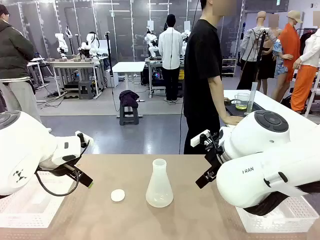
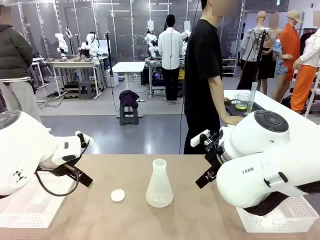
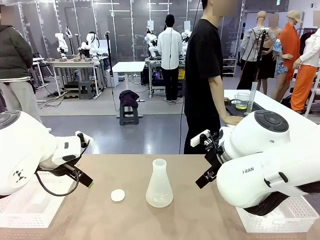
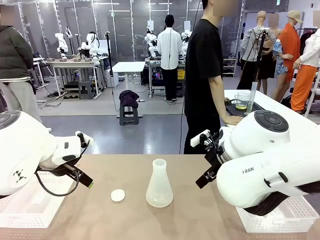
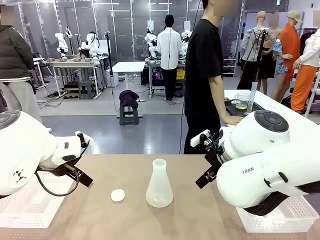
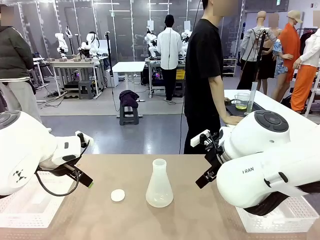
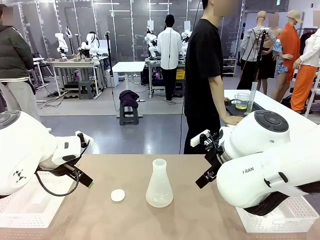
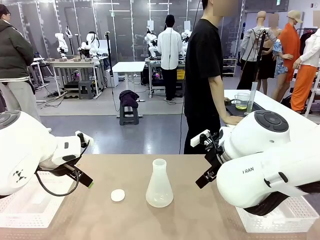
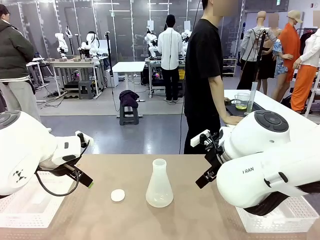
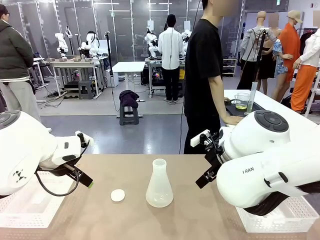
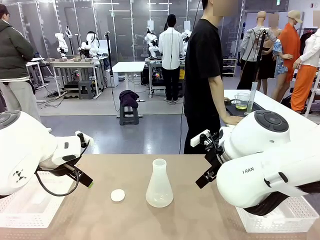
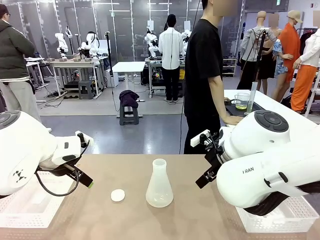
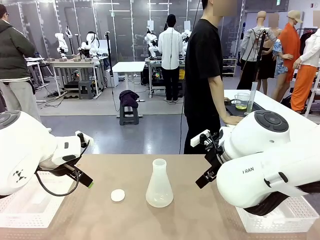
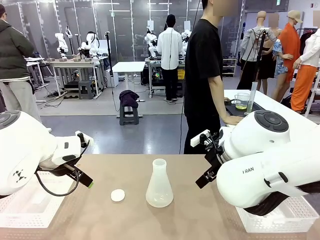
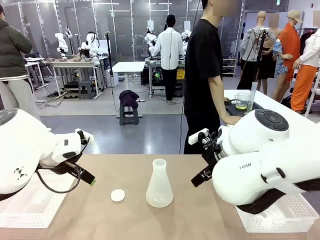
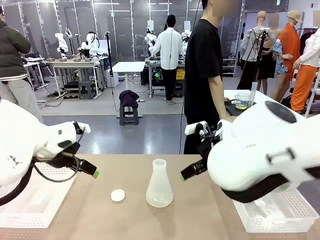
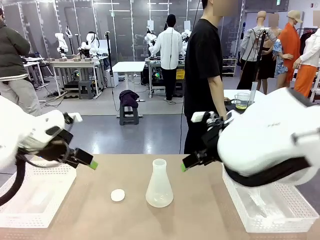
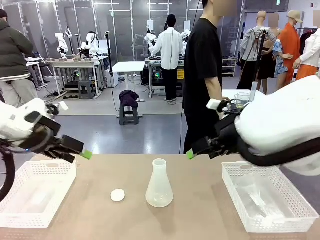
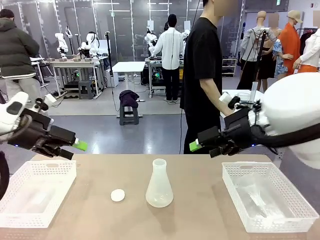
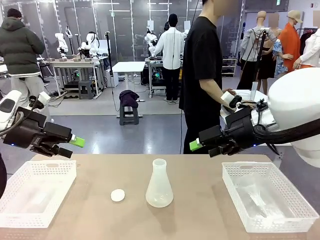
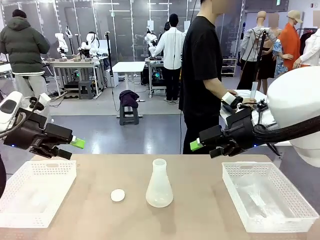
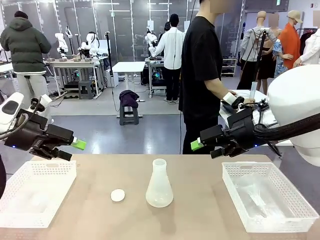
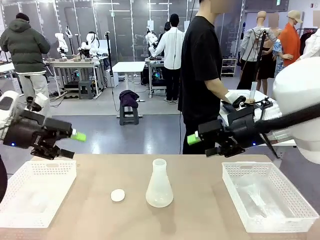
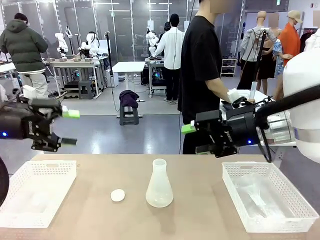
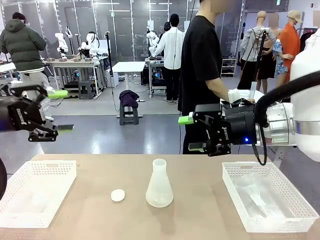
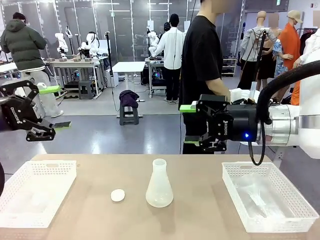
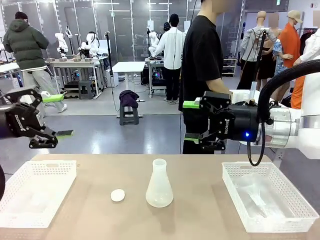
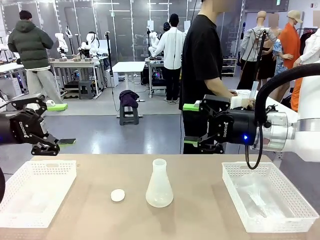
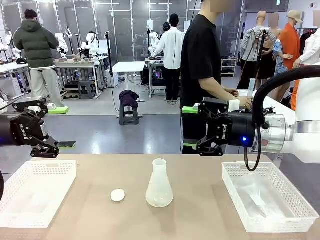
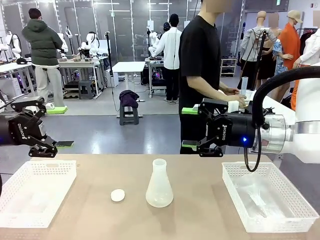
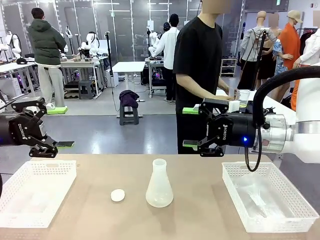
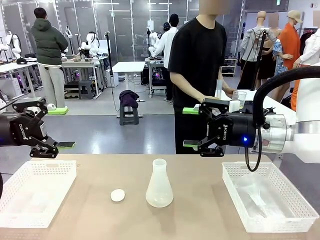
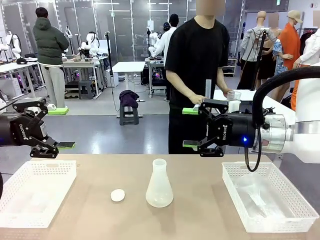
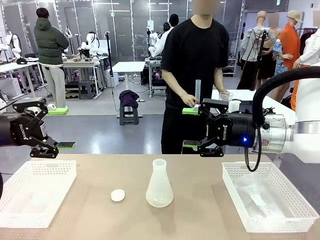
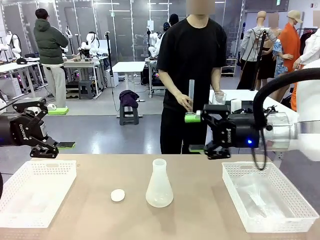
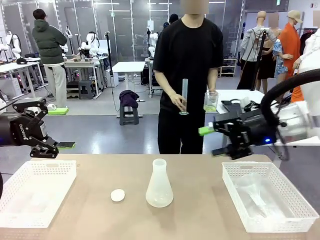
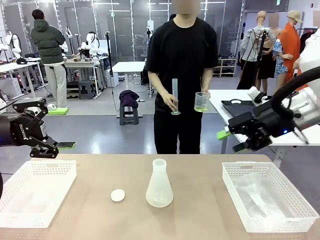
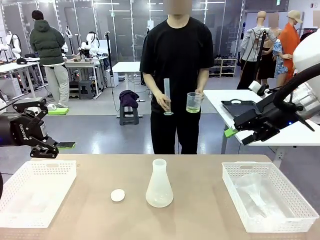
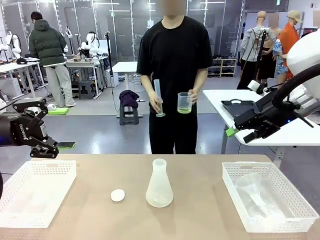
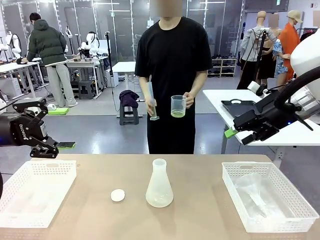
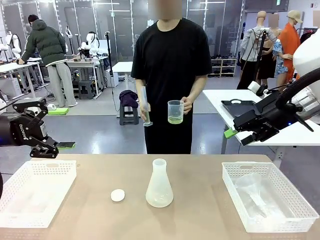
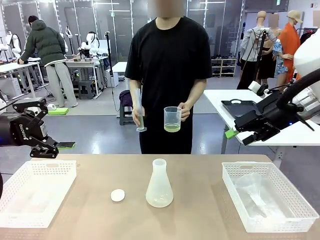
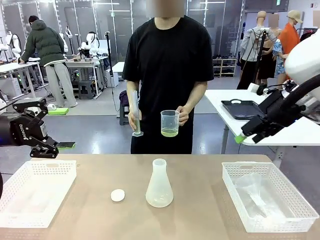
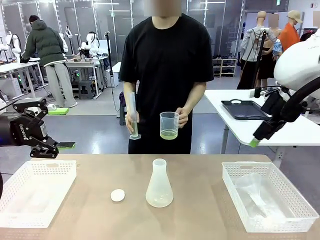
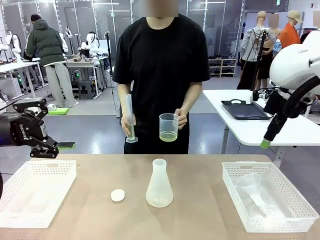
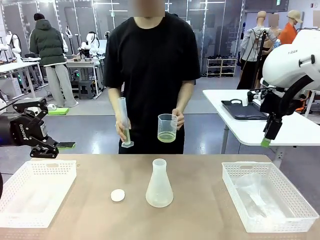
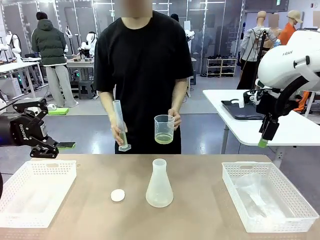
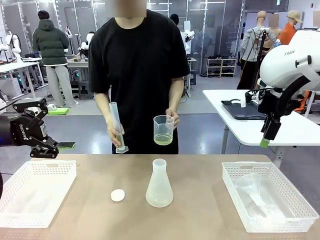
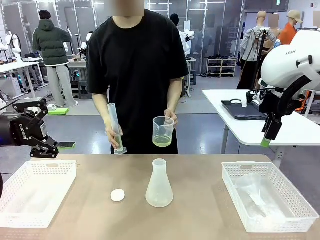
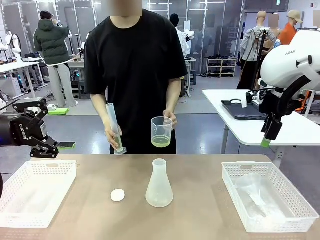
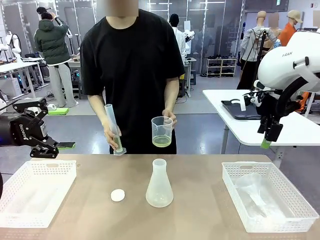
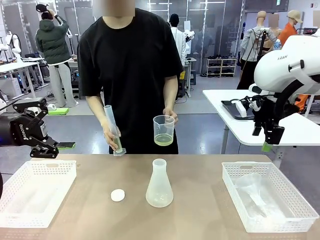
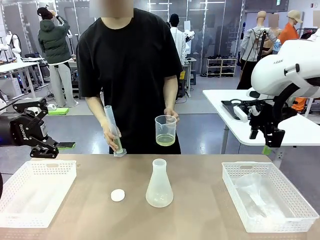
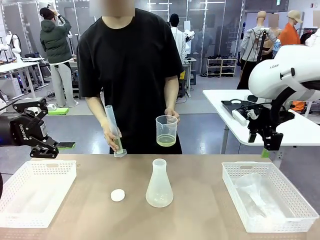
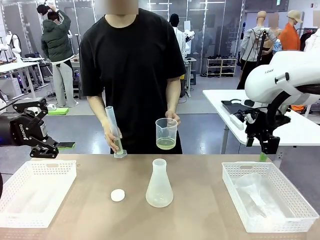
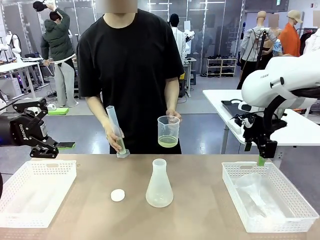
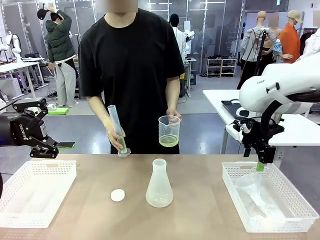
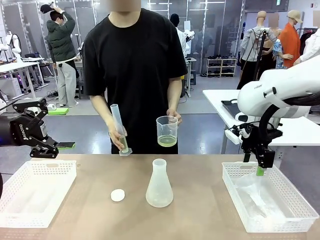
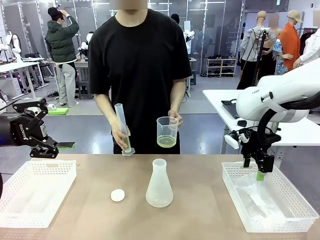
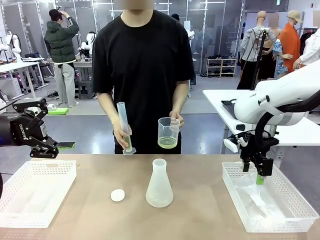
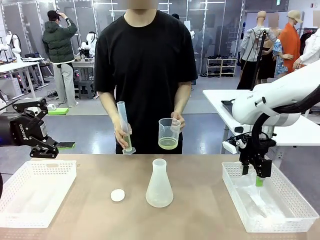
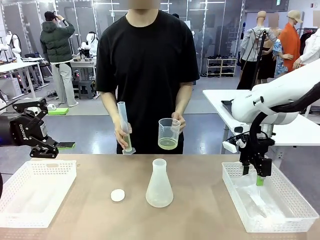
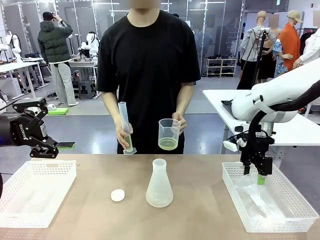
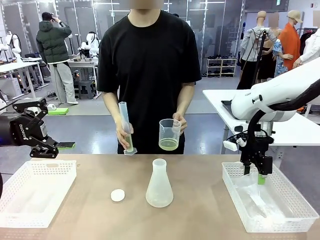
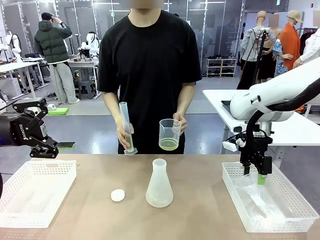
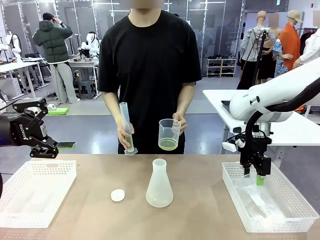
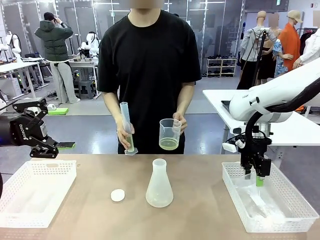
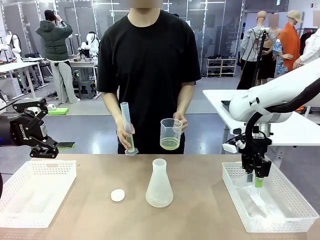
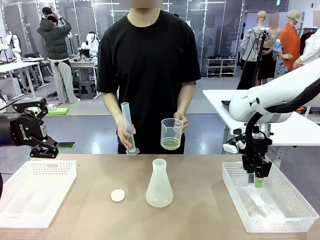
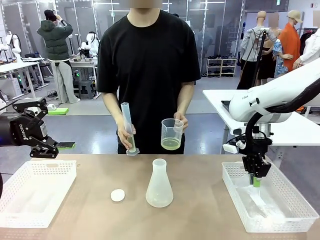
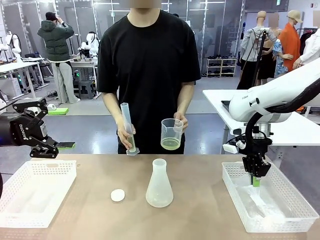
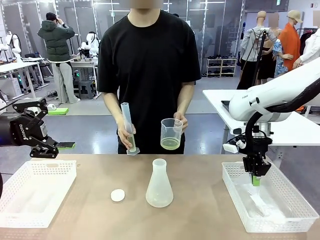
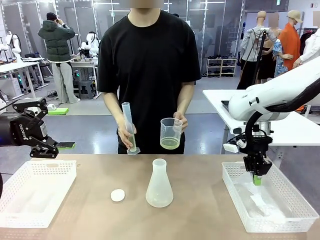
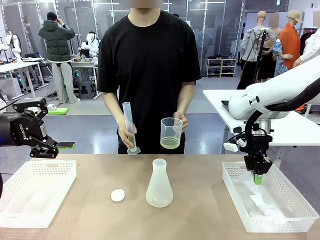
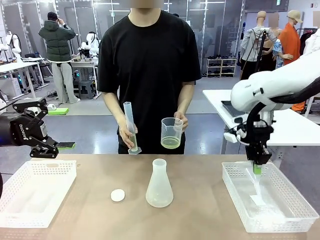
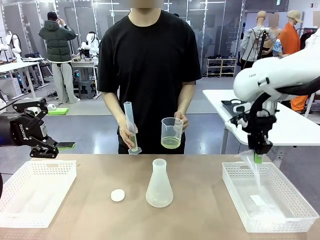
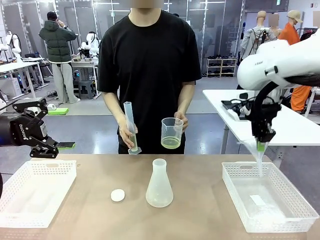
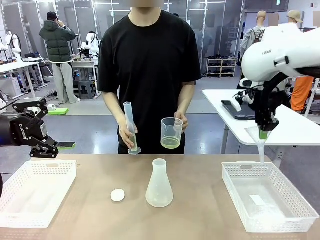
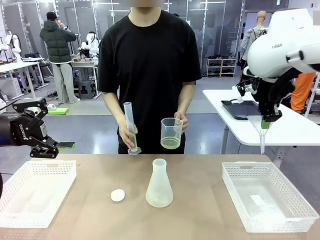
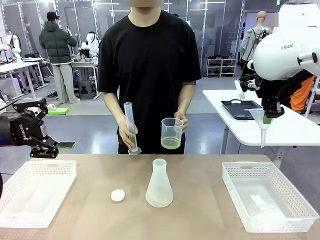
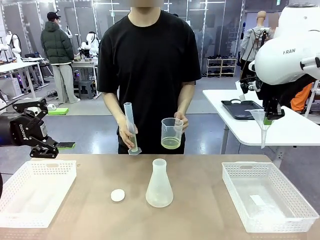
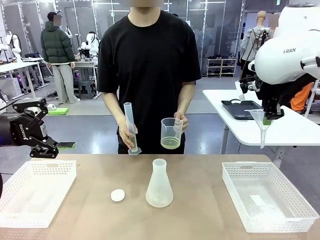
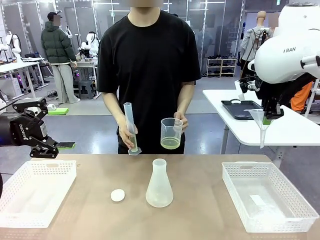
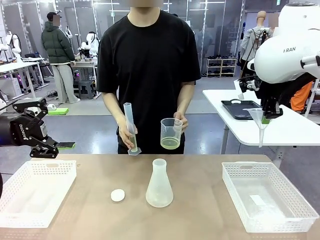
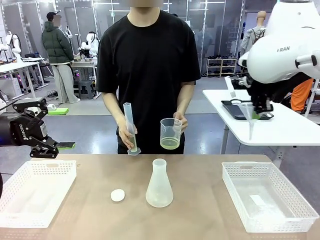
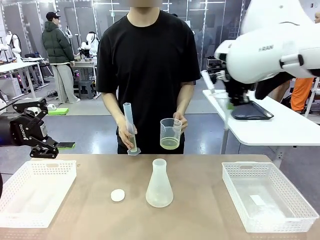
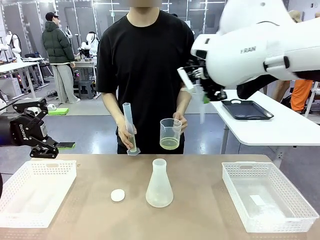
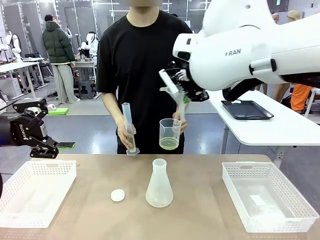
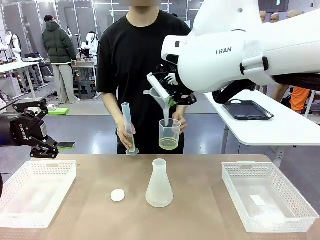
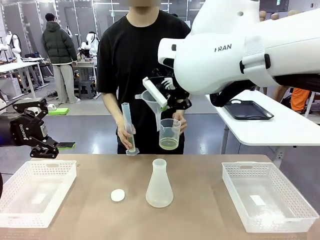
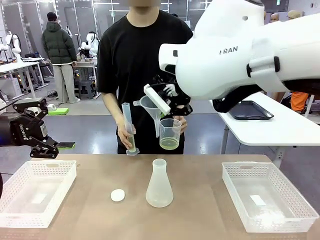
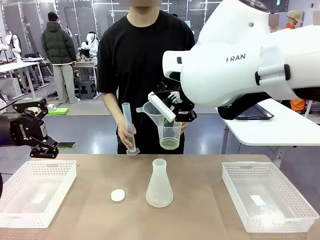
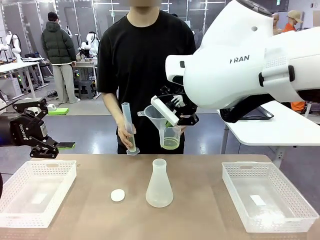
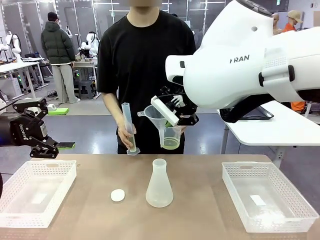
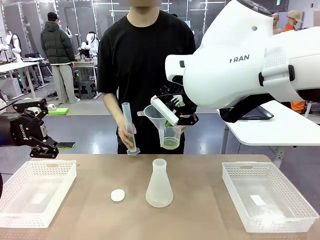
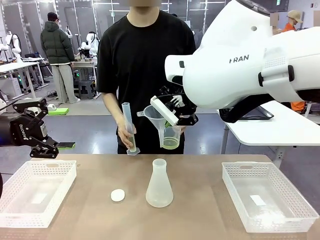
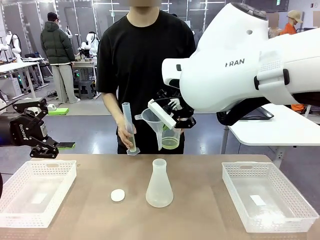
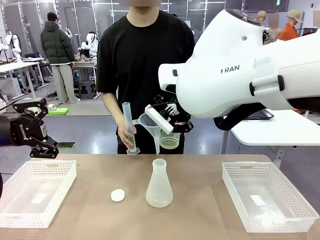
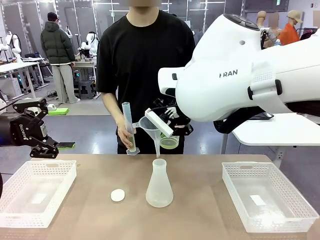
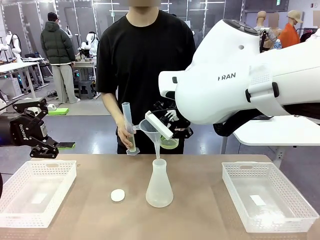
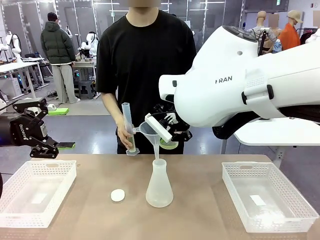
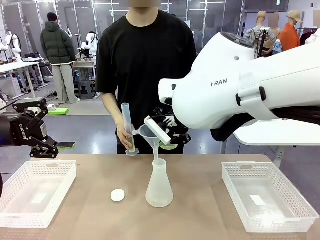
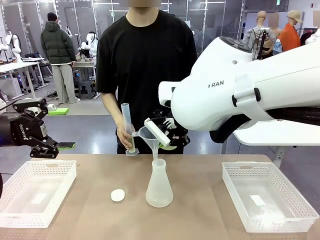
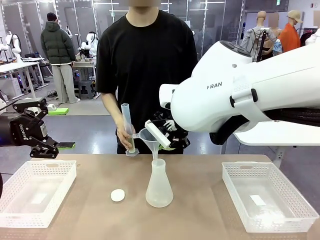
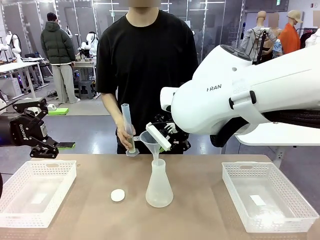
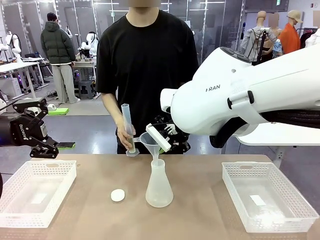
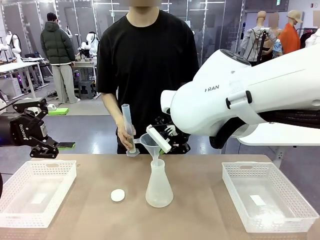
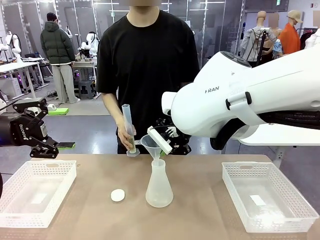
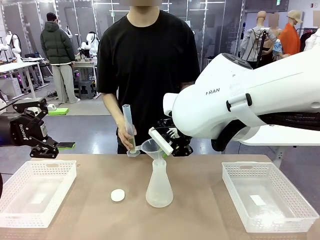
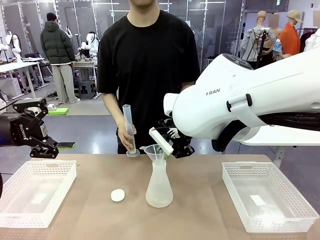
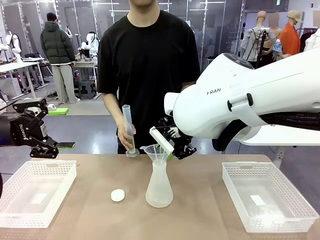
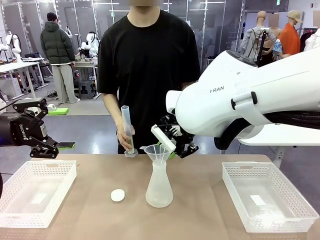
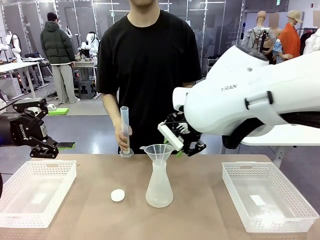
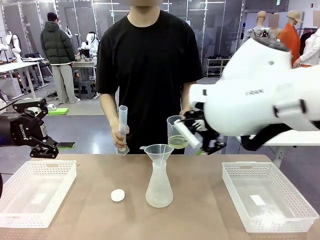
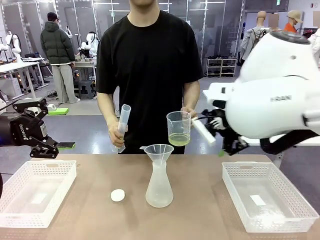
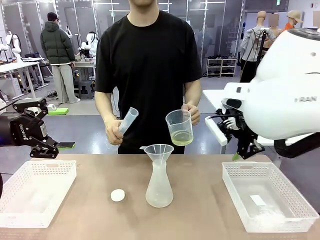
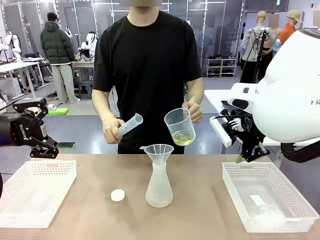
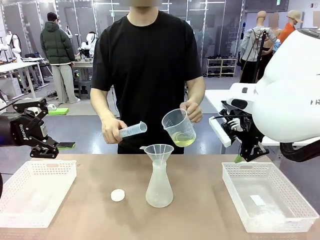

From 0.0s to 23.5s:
Task: Prepare the solutions needed for the experiment.
Robot: Pick up the Plastic Funnel and insert it into the Big flask.
Person: Pick up the beaker and the cylinder and move to the middle of the robot table. Pour the solution from the beaker and the cylinder into the flask.
